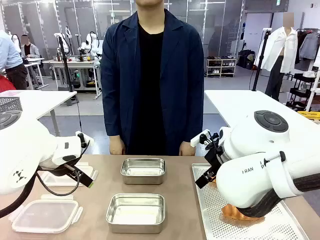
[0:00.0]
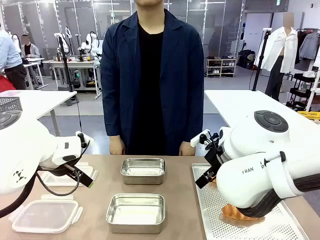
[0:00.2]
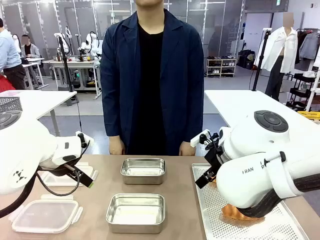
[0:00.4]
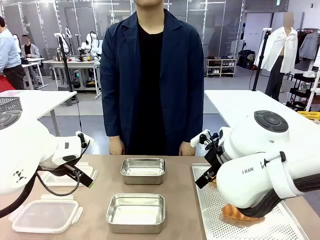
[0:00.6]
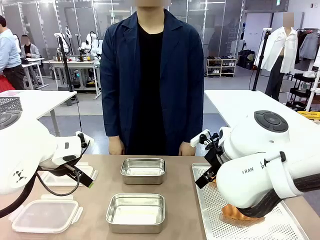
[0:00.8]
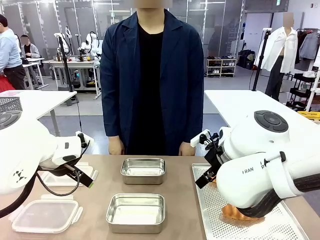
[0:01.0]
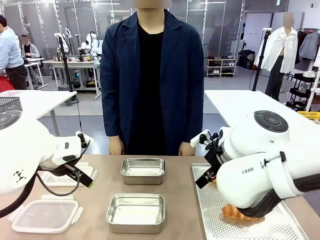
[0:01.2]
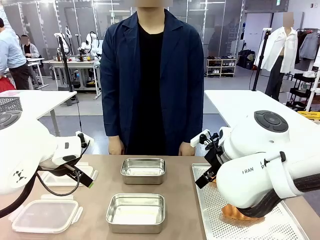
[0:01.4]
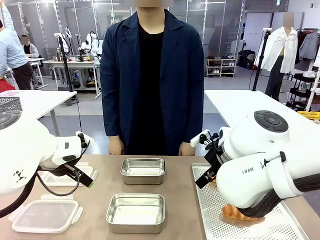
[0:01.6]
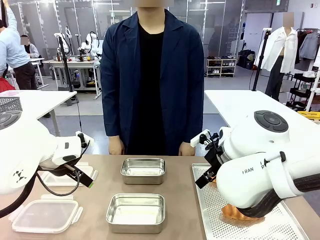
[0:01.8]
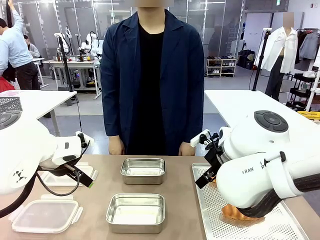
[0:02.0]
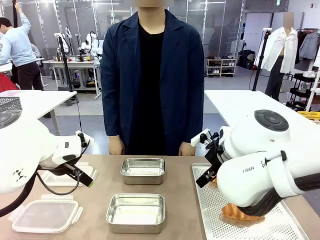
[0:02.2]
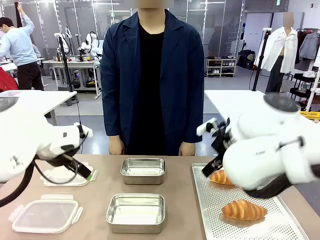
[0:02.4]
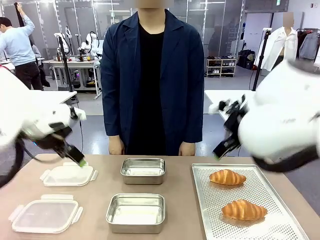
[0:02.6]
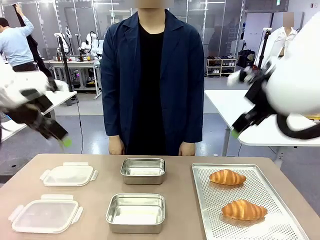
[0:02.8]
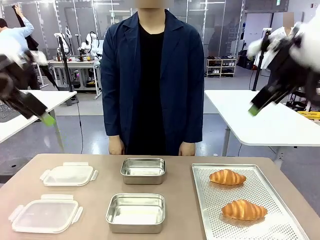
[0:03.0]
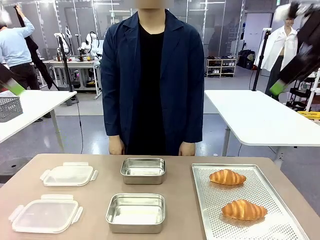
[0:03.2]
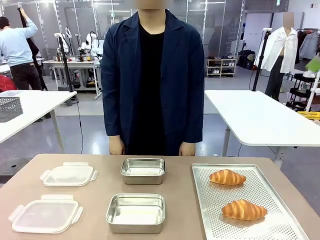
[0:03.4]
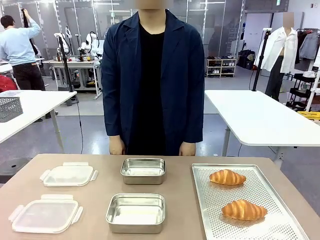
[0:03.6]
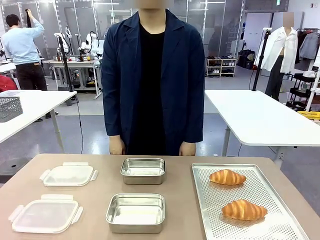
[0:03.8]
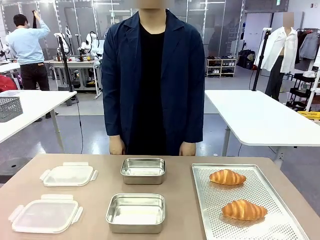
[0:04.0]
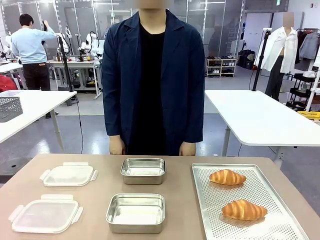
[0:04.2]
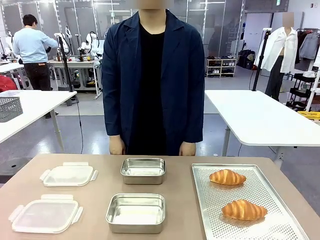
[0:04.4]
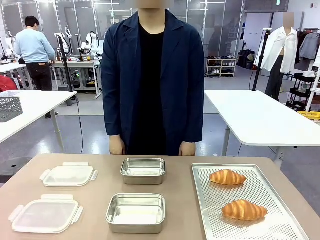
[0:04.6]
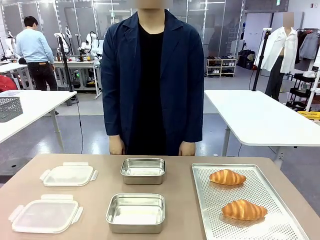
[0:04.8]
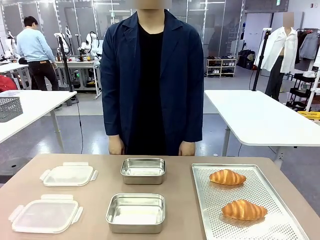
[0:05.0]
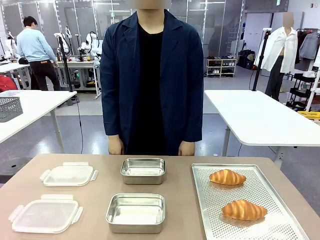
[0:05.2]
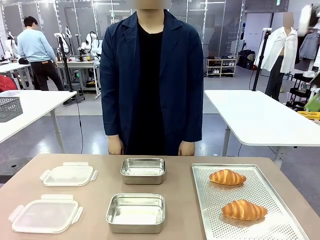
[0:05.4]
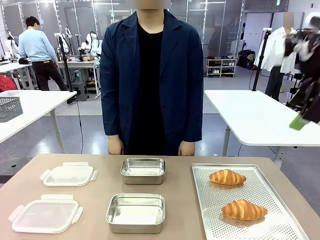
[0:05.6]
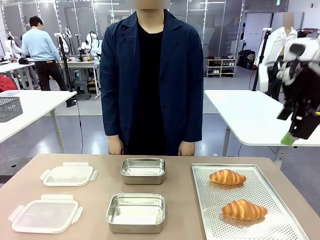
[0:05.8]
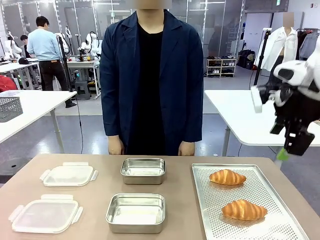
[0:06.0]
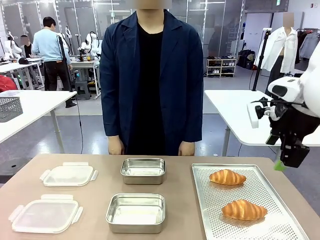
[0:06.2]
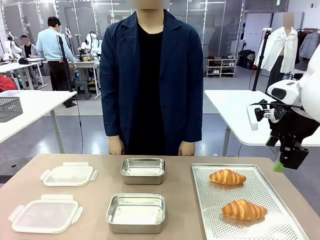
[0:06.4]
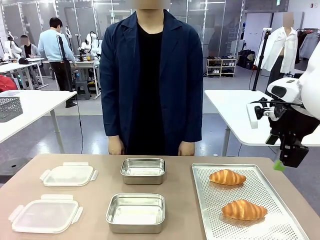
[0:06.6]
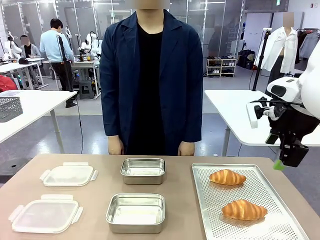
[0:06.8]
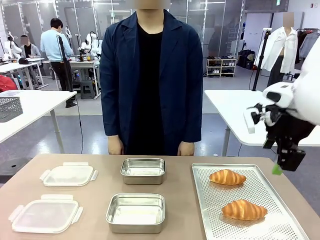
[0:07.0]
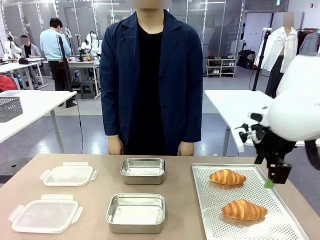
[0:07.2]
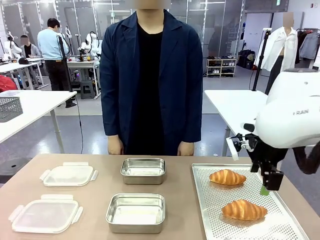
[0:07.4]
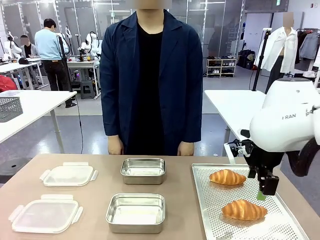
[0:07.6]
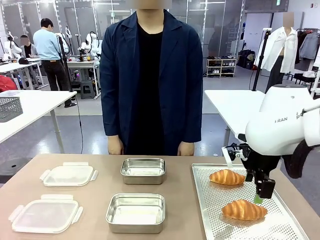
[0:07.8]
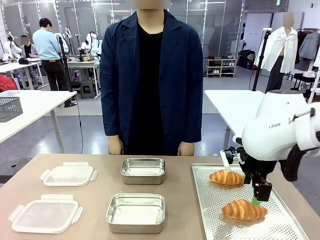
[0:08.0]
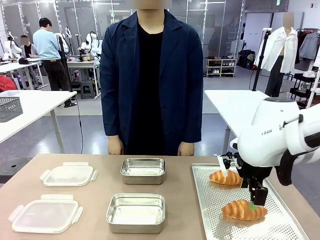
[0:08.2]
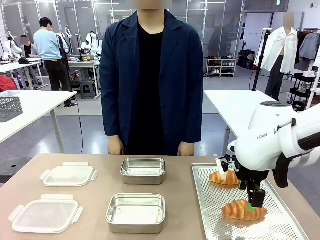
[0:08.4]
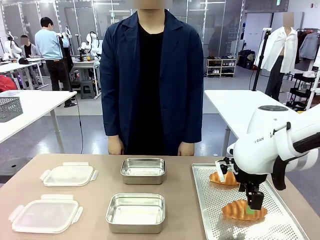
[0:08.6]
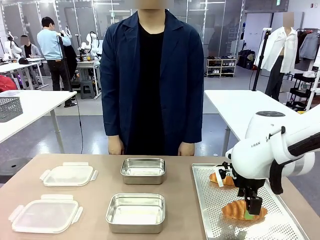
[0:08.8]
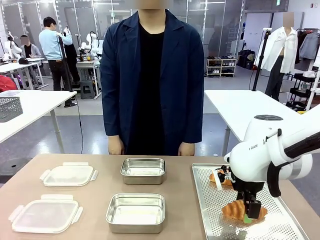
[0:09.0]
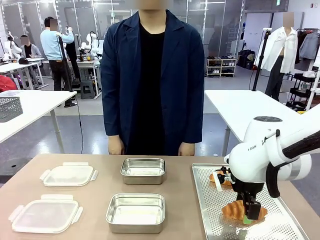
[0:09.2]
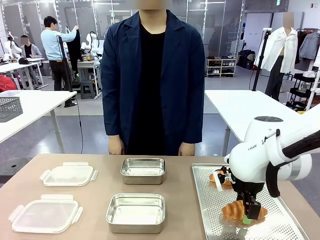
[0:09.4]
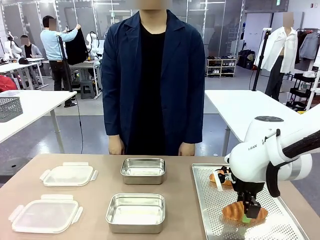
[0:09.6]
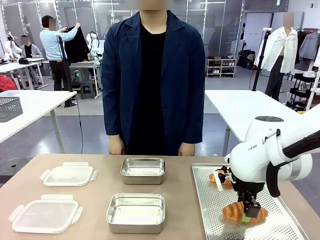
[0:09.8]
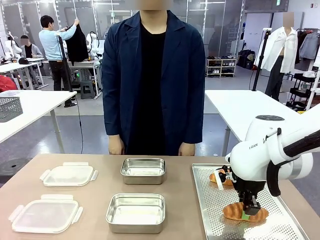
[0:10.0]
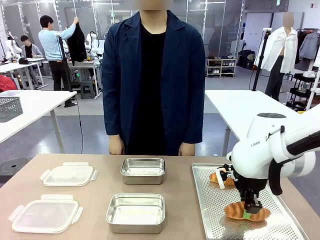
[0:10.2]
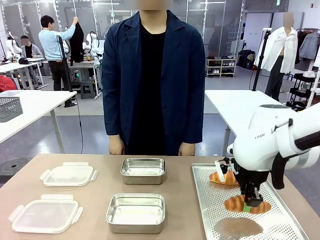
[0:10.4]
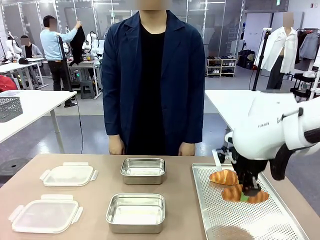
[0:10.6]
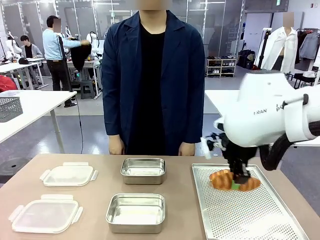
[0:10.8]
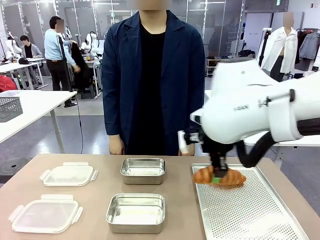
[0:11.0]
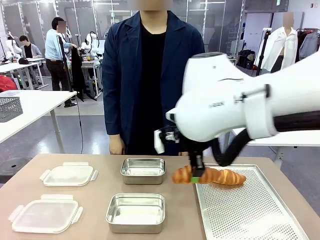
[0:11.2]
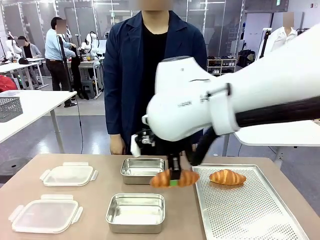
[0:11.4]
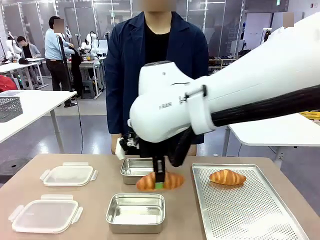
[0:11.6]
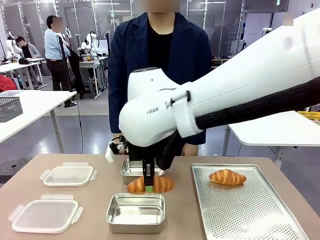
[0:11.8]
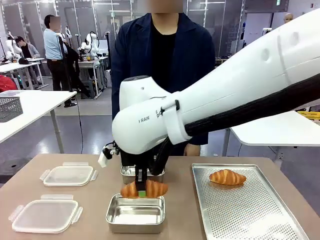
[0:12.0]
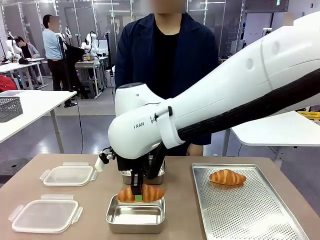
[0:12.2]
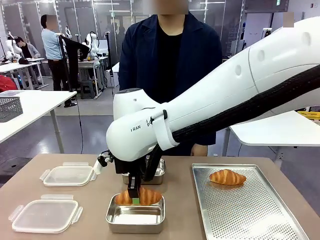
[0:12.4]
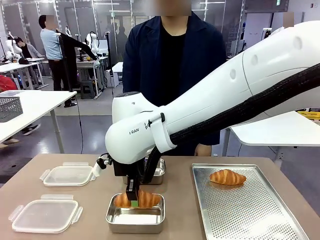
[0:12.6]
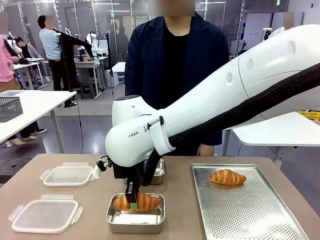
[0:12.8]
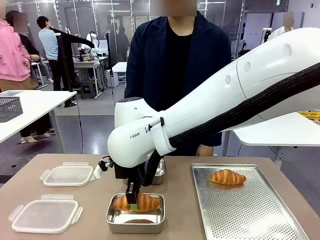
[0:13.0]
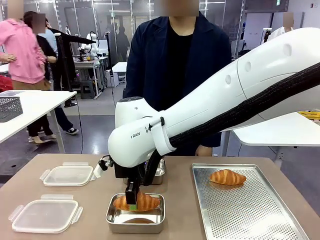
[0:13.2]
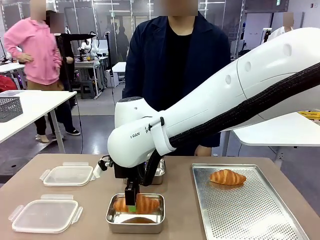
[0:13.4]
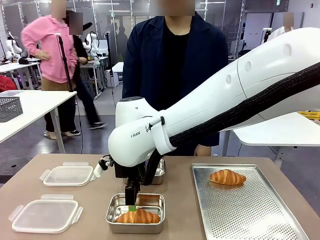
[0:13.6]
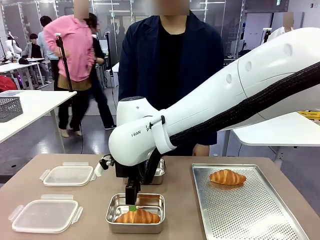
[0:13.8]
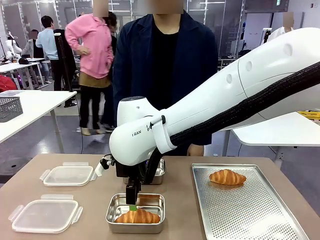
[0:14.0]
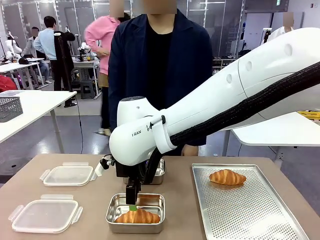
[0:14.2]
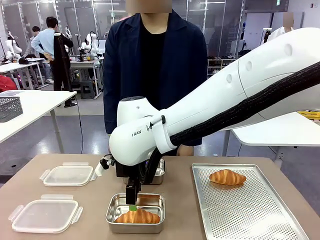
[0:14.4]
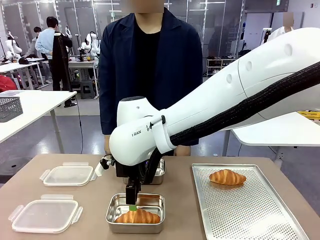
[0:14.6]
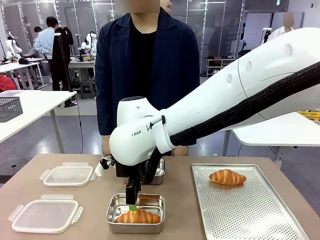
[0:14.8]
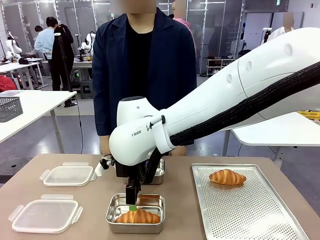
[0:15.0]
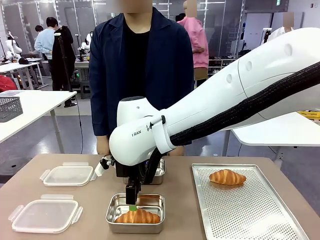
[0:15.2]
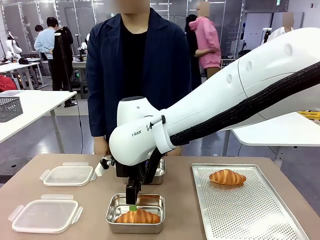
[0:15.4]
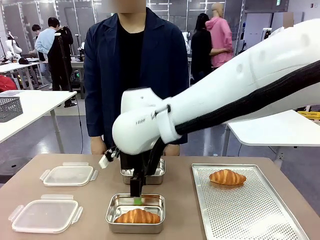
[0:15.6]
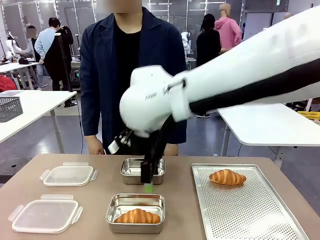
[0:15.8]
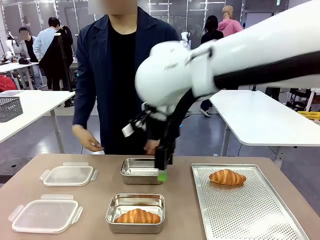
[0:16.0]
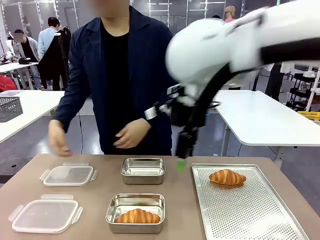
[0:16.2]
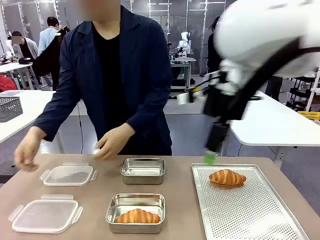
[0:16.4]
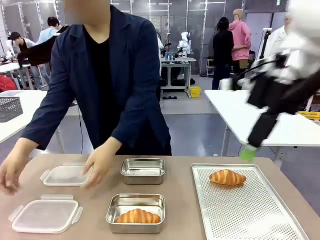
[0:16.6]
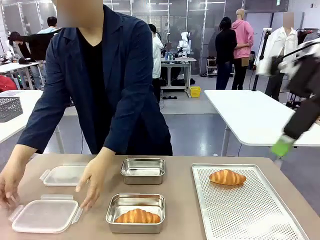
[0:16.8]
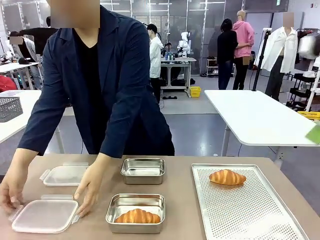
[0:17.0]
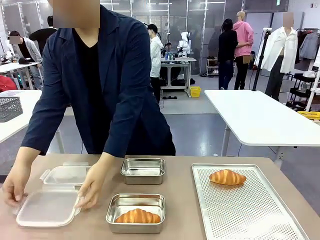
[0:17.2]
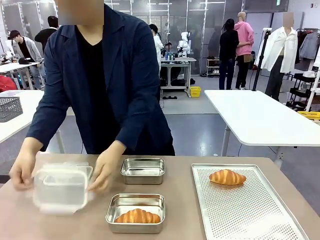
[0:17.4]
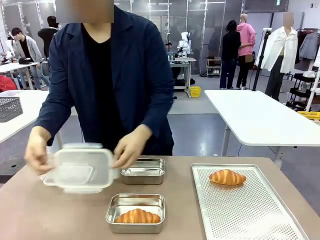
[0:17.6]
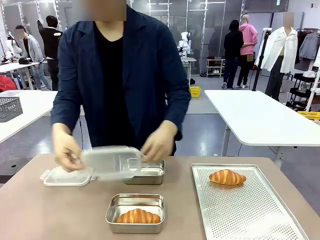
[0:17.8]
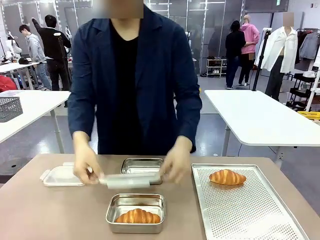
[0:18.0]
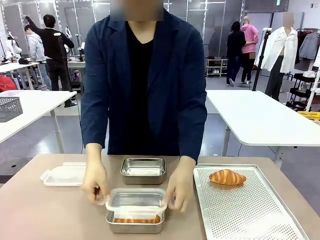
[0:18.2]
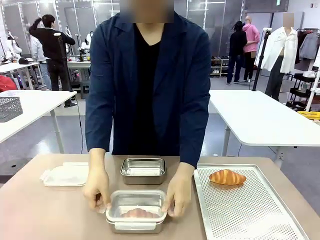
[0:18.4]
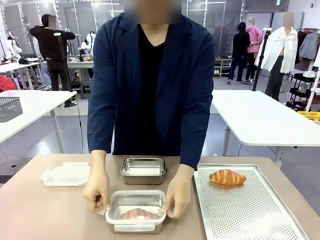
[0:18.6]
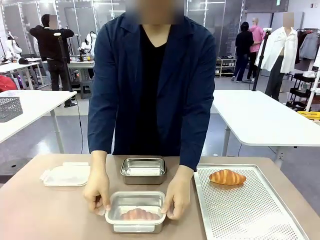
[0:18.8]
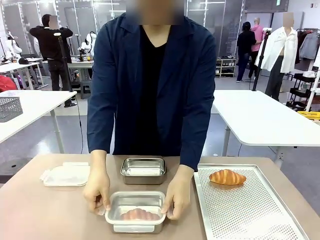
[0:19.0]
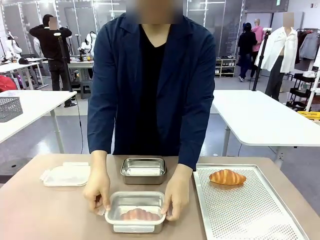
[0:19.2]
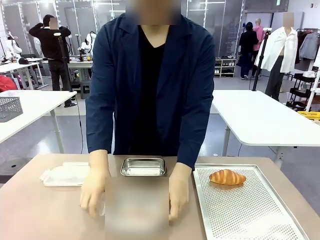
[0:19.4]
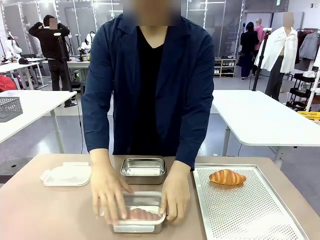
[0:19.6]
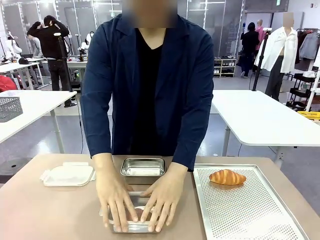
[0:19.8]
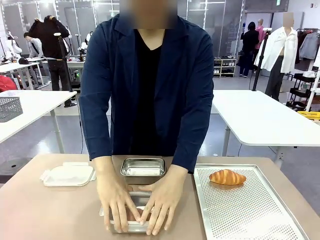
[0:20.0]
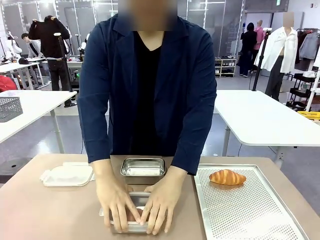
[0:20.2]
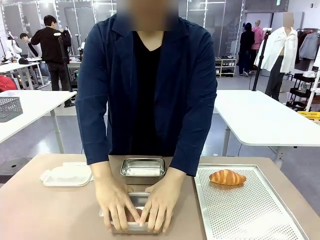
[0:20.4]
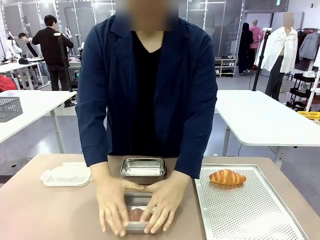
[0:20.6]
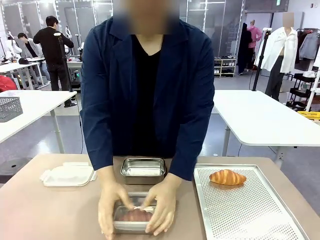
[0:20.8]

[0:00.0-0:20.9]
Task: Place the bread into the airtight container.
Robot: Pick up a Butter Roll and place it into an empty Airtight Container.
